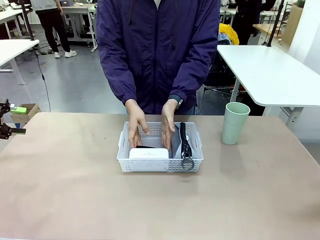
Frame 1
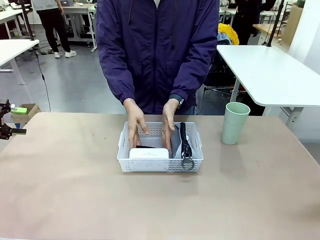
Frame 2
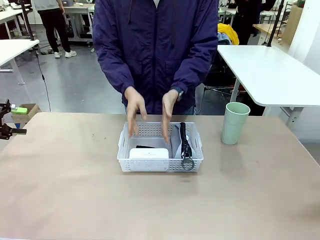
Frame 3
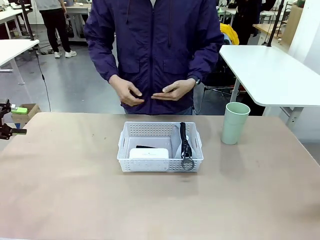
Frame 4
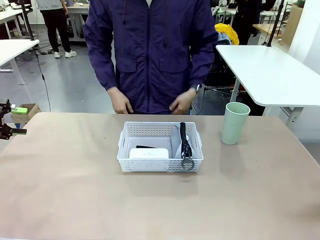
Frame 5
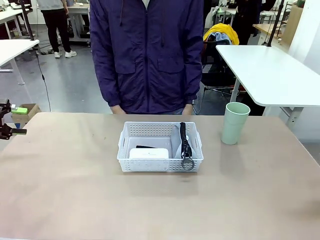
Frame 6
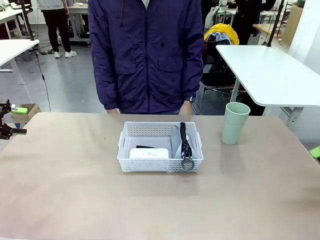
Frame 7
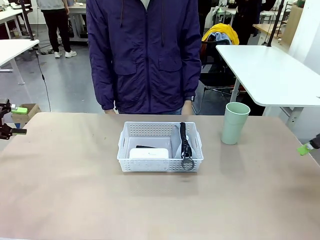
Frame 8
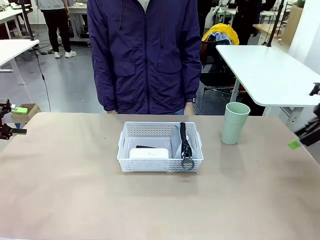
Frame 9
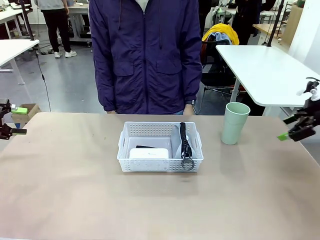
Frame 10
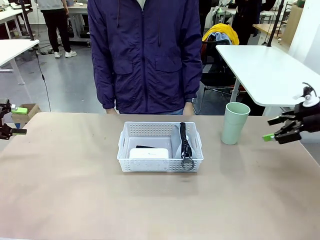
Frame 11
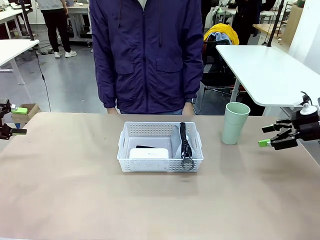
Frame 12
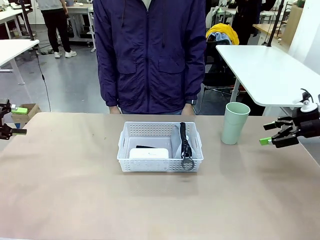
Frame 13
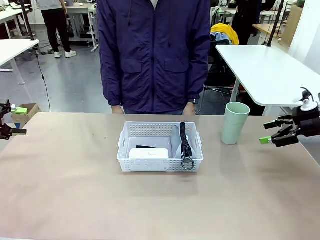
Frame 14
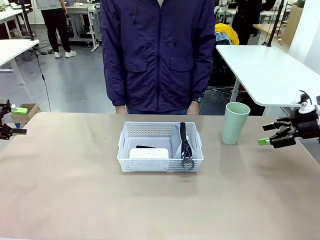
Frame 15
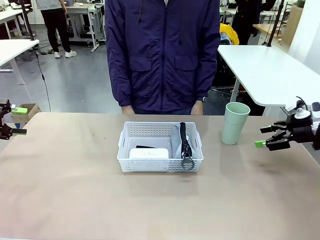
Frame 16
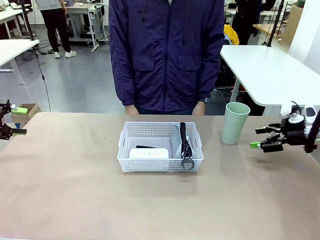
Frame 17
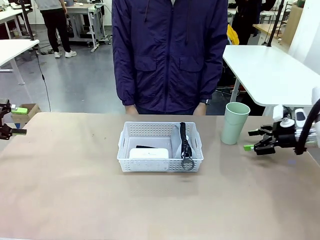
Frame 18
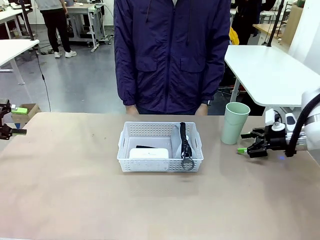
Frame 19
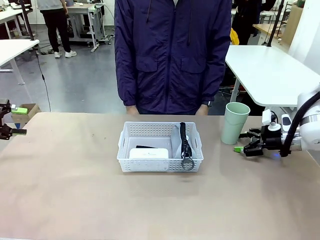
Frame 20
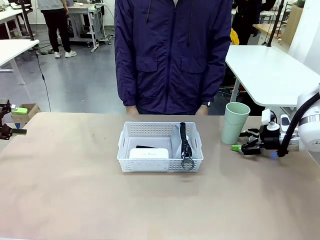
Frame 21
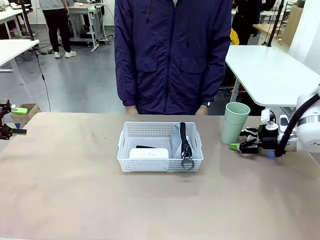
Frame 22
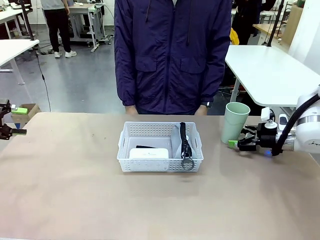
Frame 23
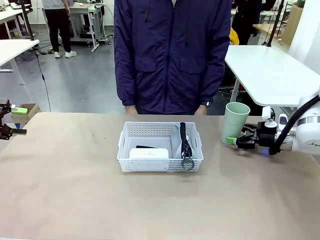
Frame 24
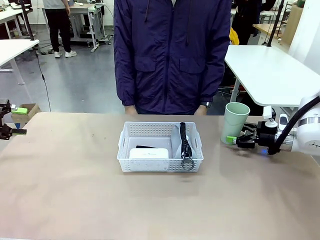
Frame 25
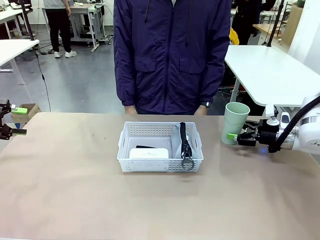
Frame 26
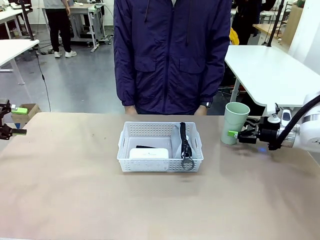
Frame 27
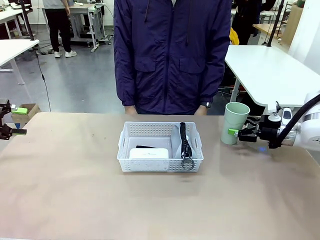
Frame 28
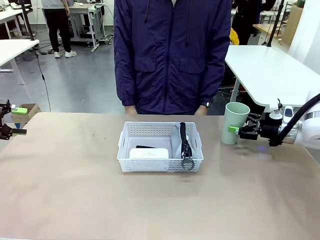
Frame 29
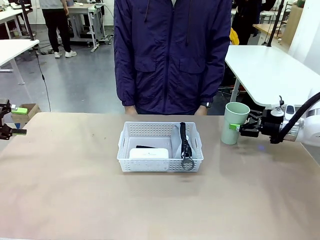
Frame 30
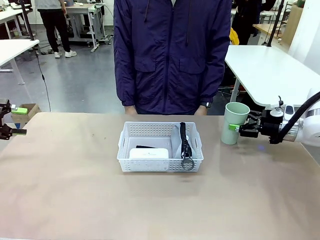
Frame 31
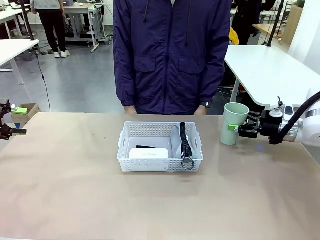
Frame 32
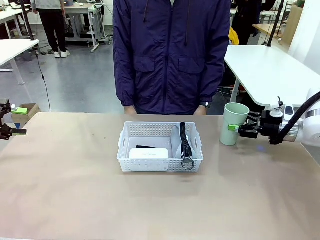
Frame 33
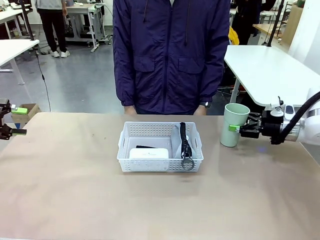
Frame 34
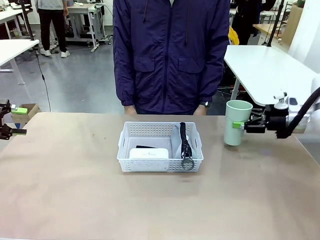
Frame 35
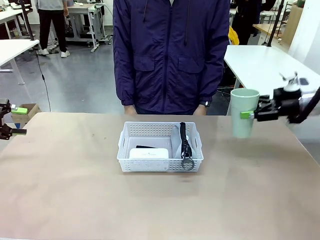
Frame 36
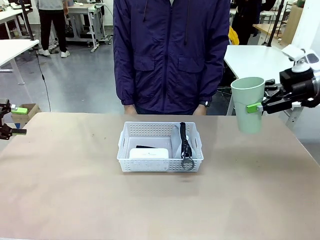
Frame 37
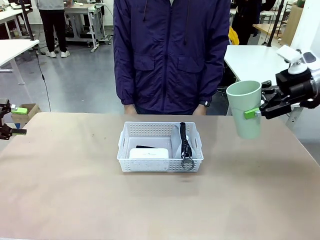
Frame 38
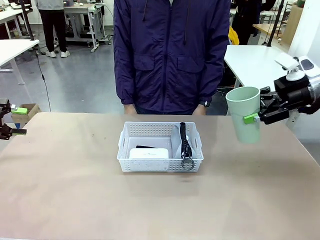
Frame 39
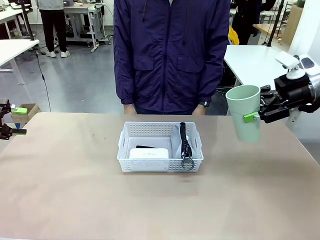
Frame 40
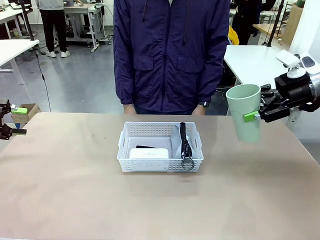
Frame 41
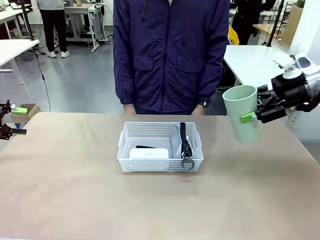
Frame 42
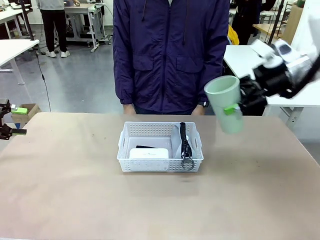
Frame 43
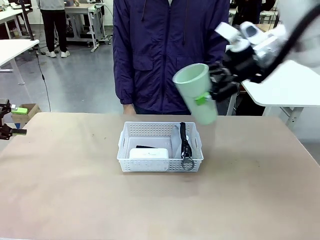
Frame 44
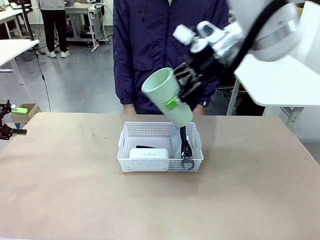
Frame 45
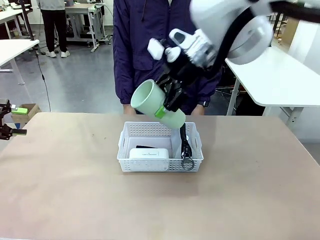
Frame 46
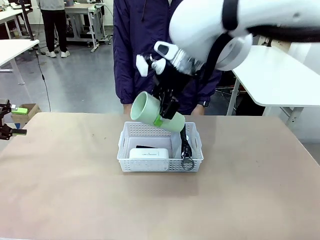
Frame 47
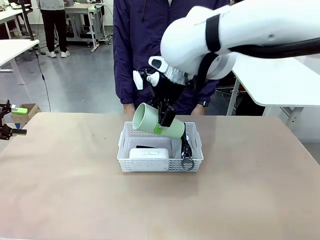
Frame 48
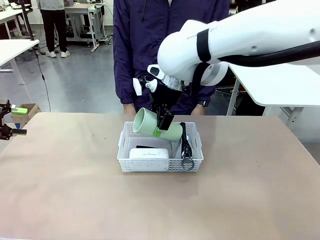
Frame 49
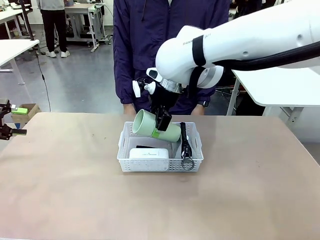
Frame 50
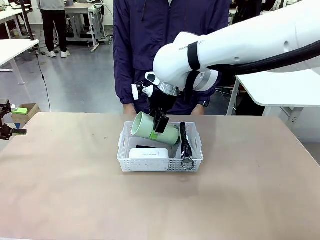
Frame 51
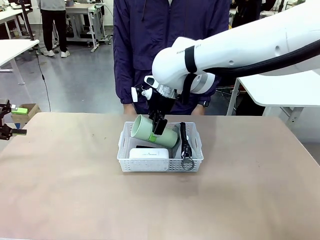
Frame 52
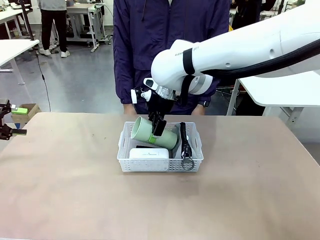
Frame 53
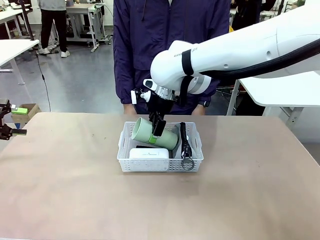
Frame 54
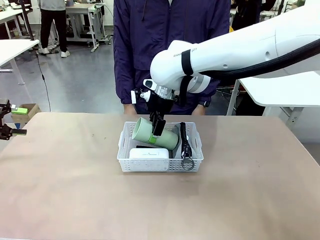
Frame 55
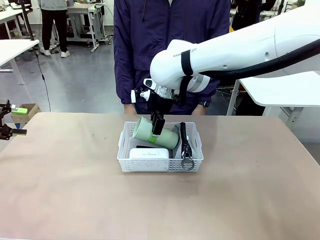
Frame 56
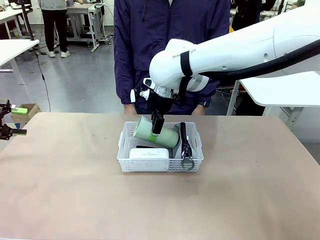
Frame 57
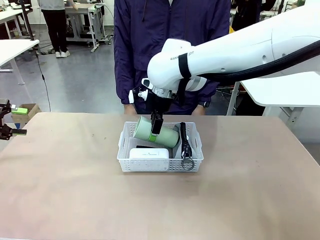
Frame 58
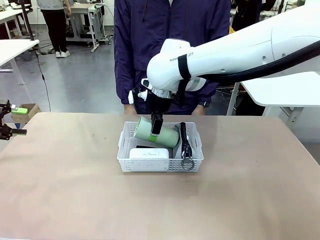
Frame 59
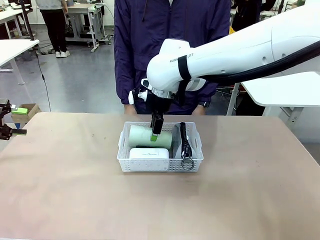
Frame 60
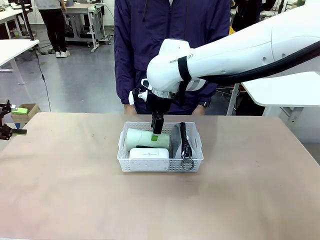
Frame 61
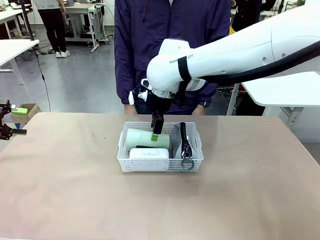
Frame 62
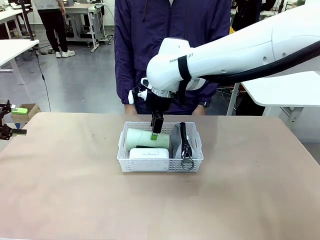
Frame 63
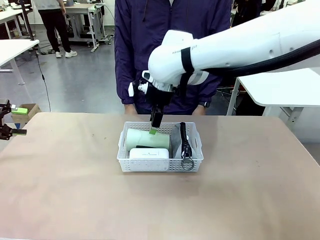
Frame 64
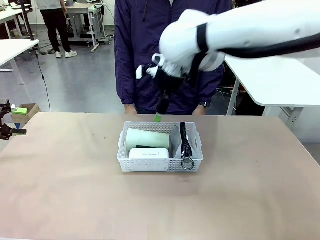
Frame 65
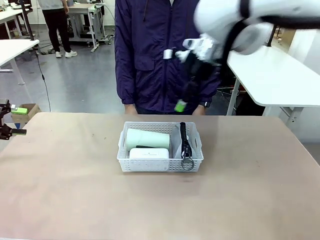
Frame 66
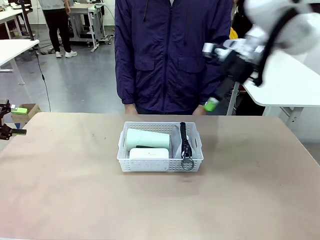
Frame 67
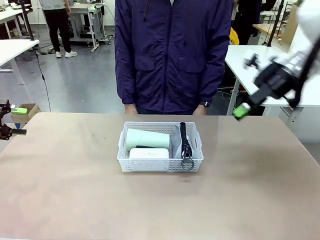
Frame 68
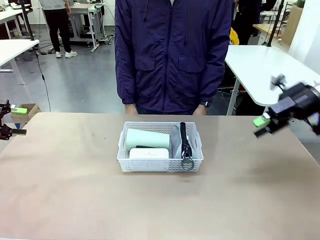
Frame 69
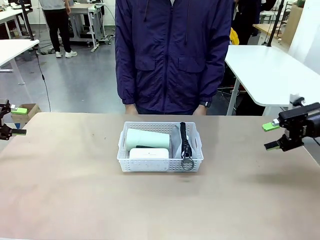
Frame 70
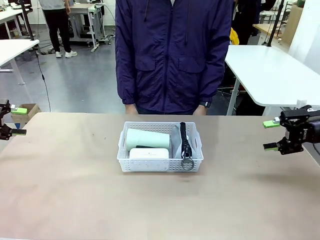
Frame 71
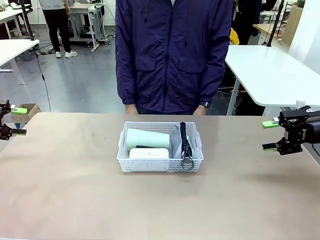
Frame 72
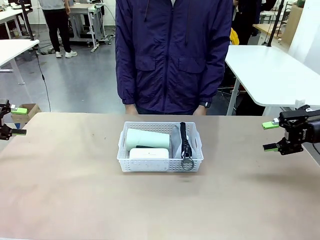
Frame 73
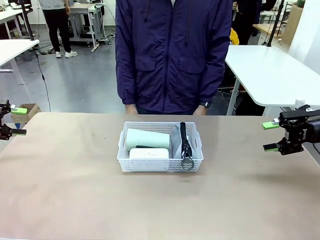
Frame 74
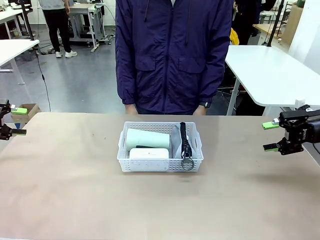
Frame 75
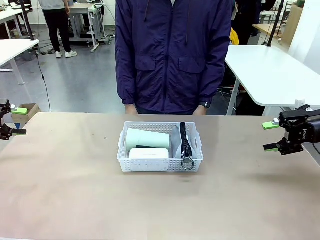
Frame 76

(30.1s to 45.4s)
Task: Efficiently arrange items inside the basket to fit them all.
Robot: Pick up the Reusable plastic cup and place it inside the Organizing basket.
Person: Repositions the stapler.

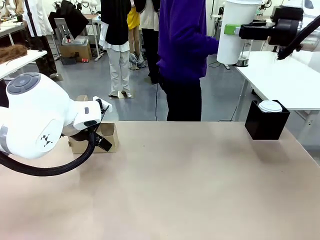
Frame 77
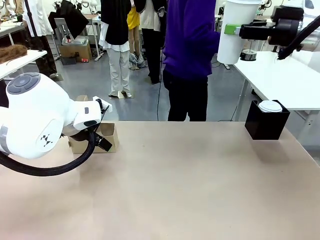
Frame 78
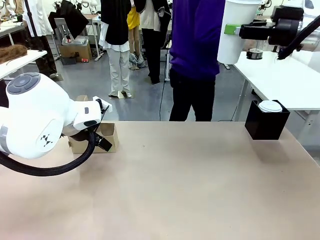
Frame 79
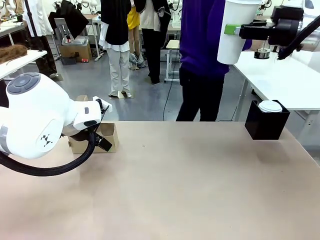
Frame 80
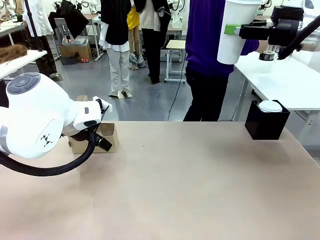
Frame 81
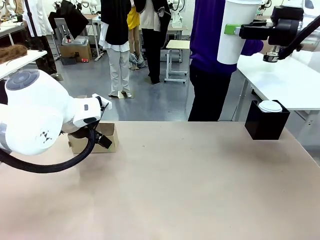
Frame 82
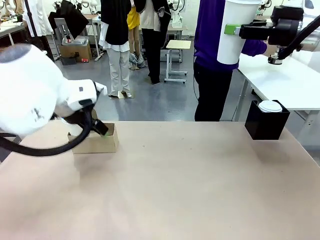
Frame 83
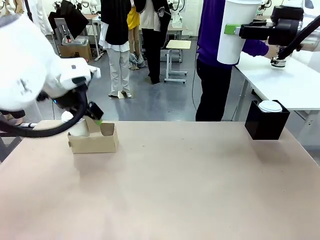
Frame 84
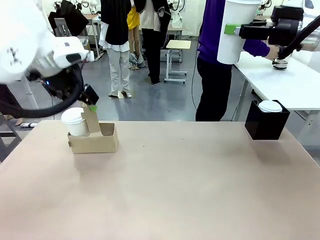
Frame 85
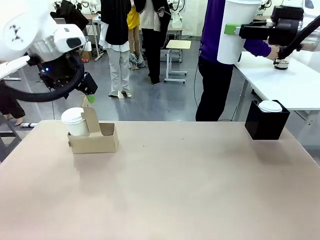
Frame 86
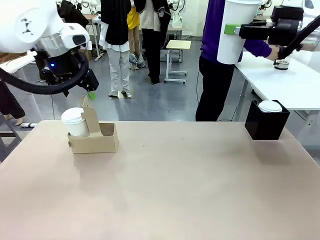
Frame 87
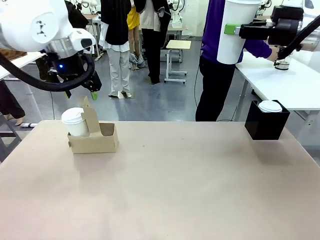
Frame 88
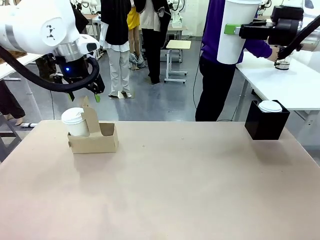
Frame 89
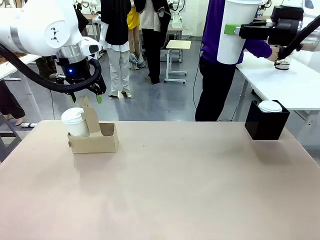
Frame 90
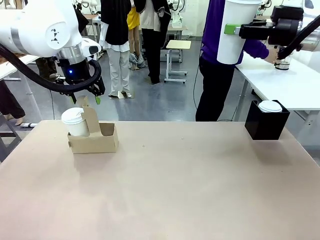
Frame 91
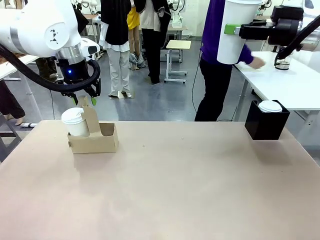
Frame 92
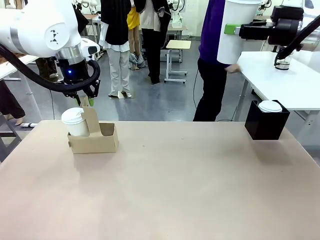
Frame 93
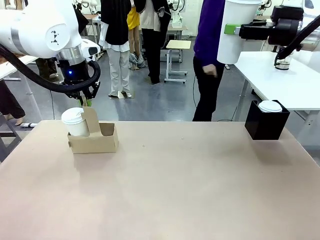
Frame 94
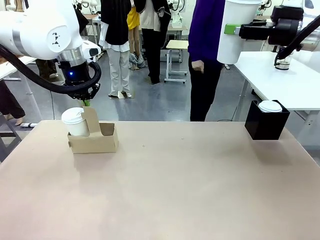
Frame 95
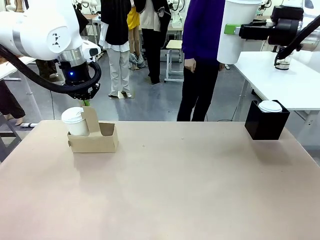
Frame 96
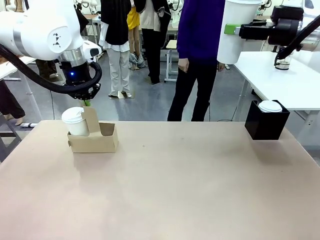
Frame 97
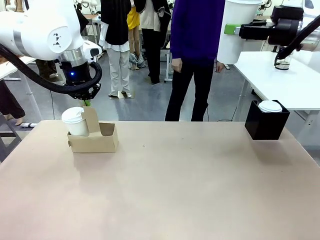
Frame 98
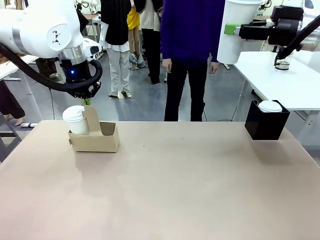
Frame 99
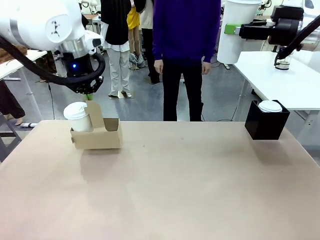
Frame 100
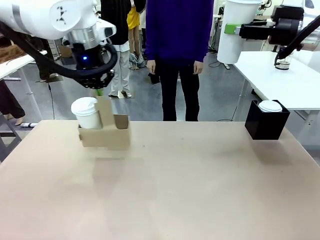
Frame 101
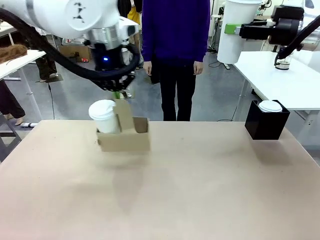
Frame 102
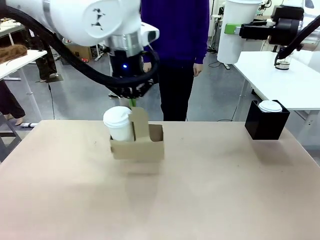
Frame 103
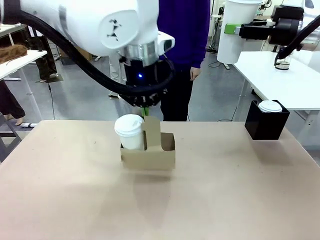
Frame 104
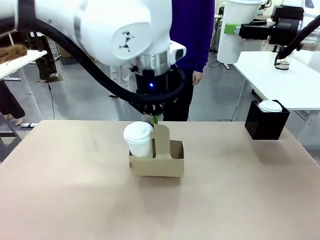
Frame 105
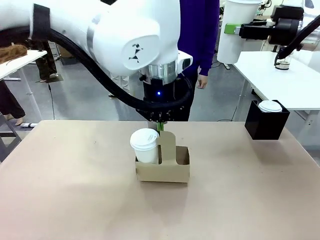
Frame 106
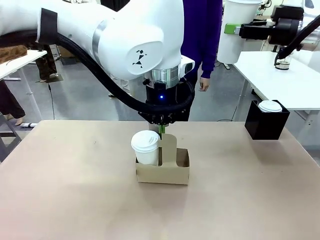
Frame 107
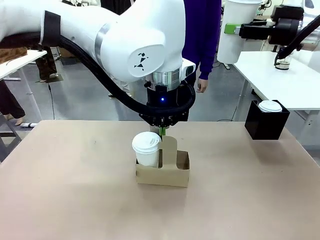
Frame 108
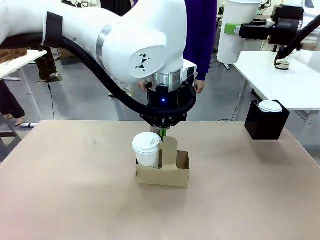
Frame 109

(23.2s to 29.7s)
Task: Pour a drink into a cup and package it in a carrier.
Robot: Position the Cup Carrier in the center of the table.
Person: Pick up the Filter Brewing and place on the middle of Human table, and return to the Robot table.
